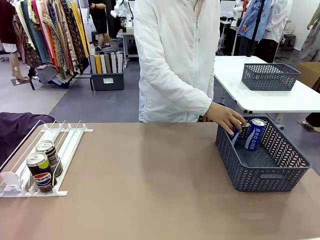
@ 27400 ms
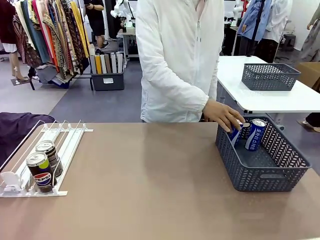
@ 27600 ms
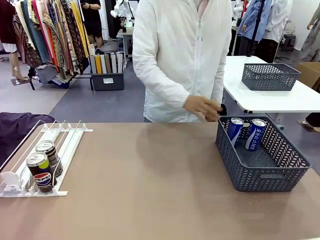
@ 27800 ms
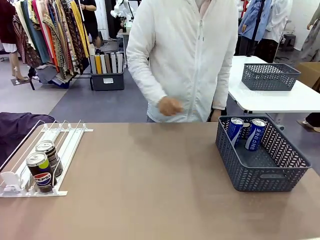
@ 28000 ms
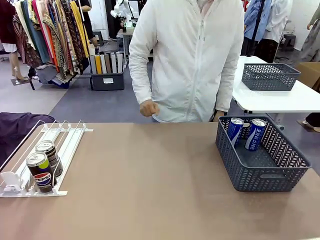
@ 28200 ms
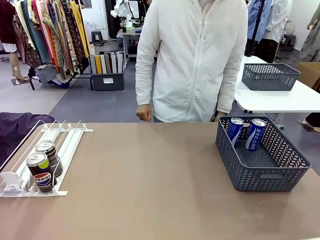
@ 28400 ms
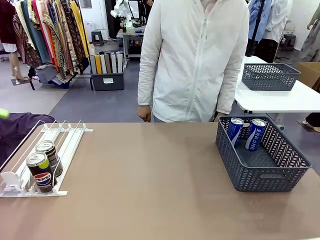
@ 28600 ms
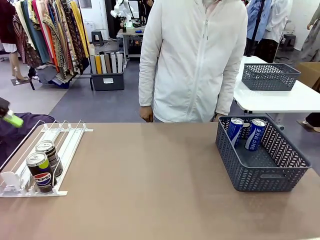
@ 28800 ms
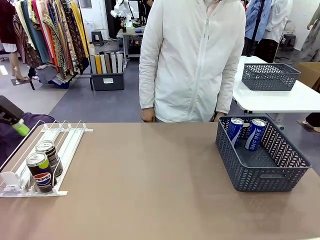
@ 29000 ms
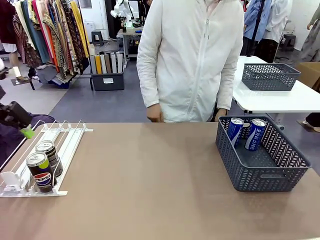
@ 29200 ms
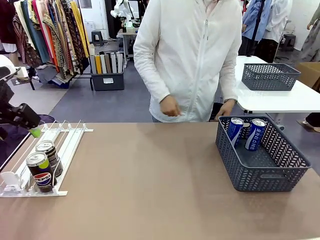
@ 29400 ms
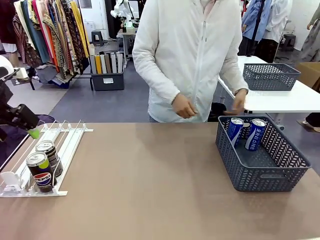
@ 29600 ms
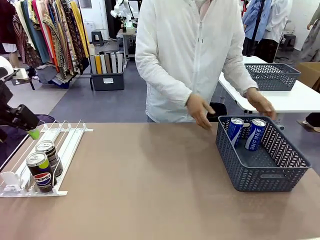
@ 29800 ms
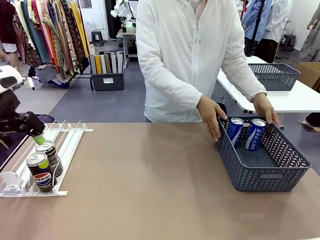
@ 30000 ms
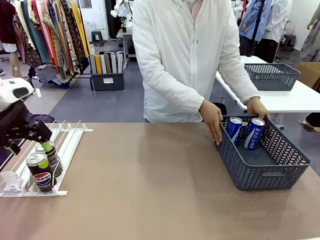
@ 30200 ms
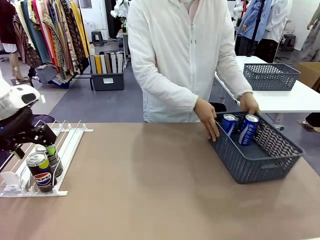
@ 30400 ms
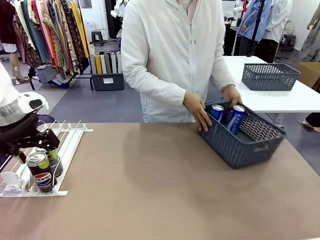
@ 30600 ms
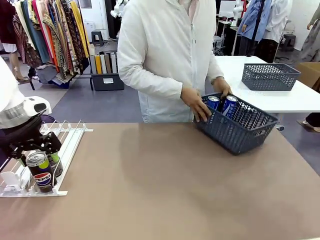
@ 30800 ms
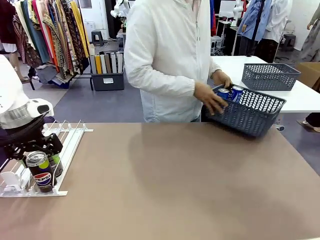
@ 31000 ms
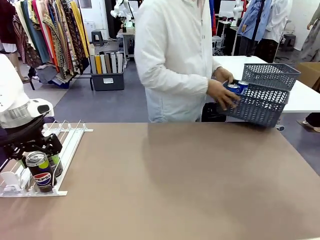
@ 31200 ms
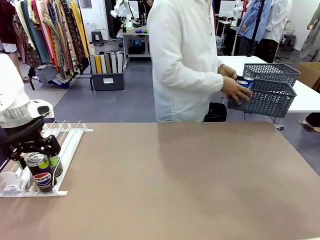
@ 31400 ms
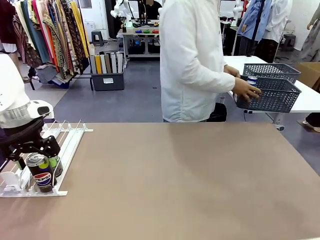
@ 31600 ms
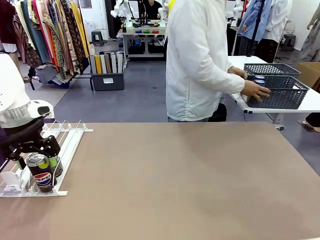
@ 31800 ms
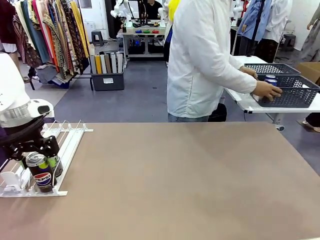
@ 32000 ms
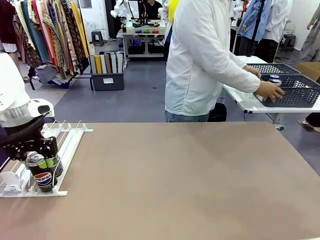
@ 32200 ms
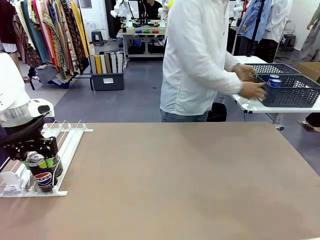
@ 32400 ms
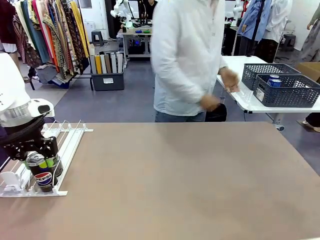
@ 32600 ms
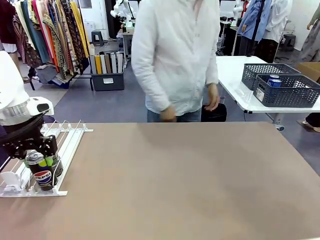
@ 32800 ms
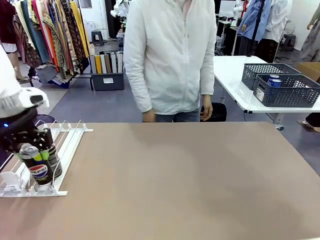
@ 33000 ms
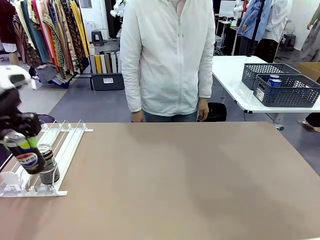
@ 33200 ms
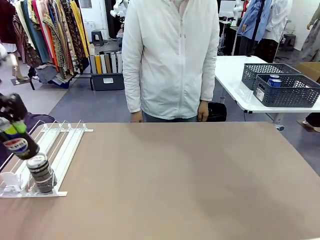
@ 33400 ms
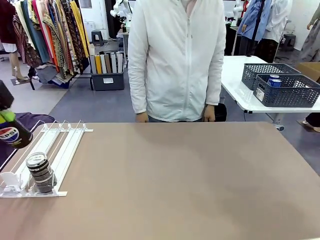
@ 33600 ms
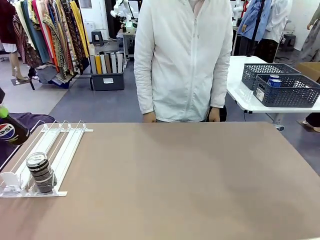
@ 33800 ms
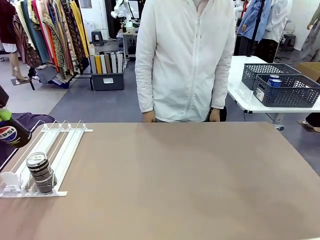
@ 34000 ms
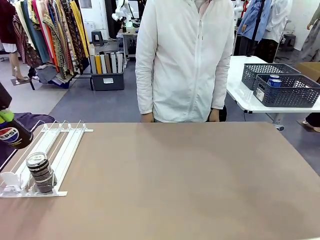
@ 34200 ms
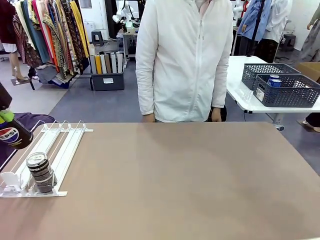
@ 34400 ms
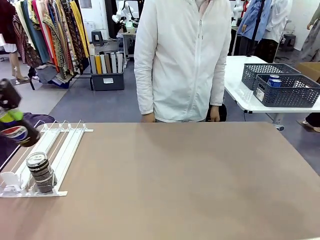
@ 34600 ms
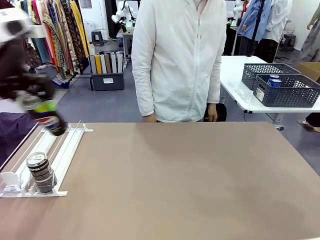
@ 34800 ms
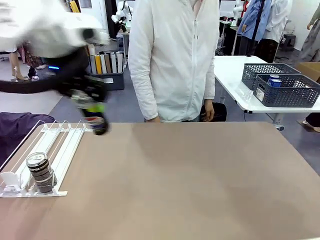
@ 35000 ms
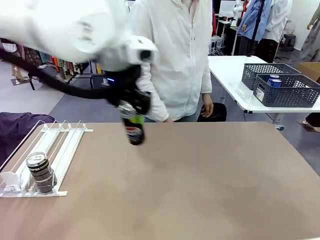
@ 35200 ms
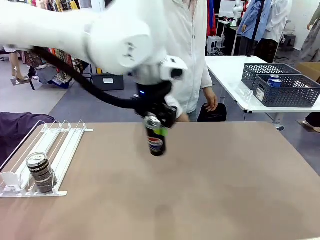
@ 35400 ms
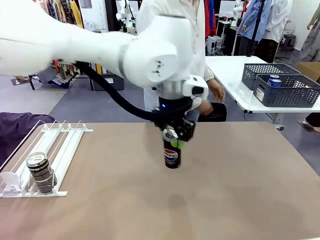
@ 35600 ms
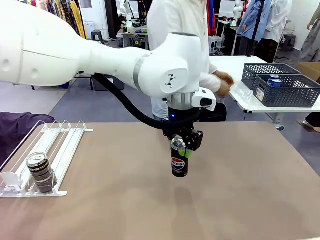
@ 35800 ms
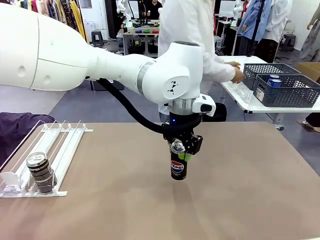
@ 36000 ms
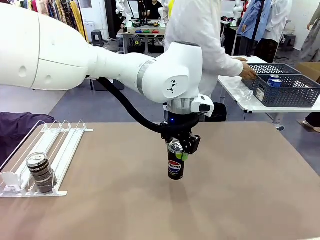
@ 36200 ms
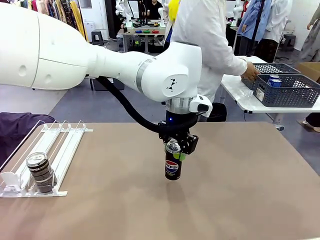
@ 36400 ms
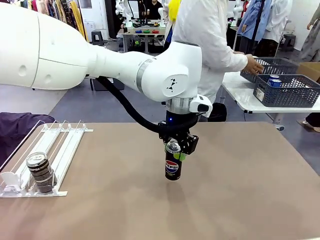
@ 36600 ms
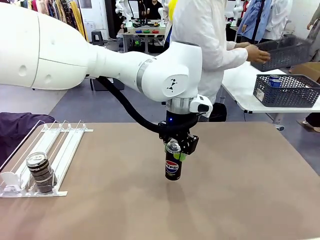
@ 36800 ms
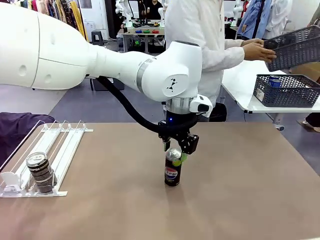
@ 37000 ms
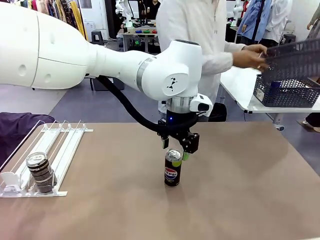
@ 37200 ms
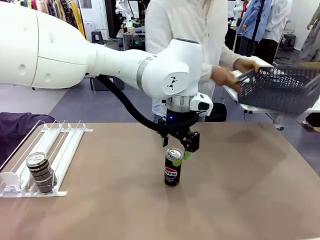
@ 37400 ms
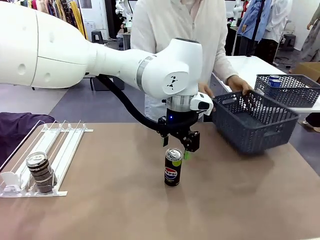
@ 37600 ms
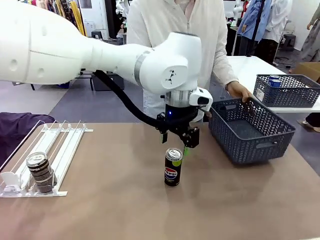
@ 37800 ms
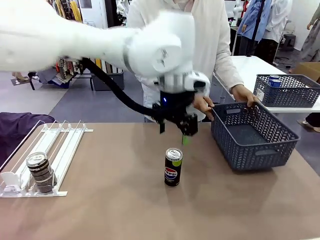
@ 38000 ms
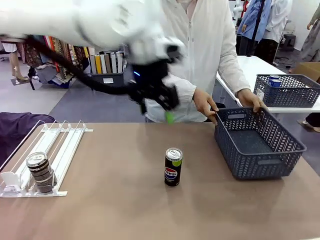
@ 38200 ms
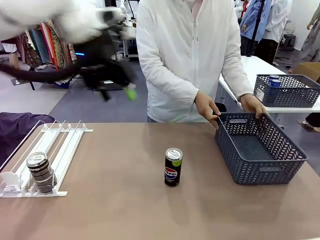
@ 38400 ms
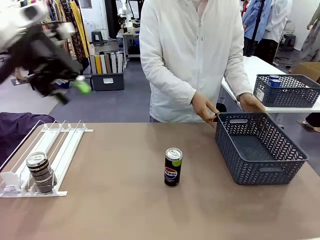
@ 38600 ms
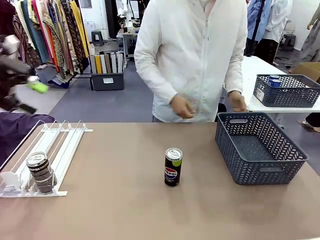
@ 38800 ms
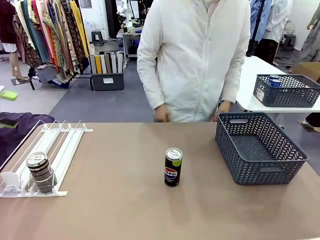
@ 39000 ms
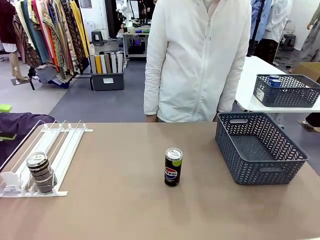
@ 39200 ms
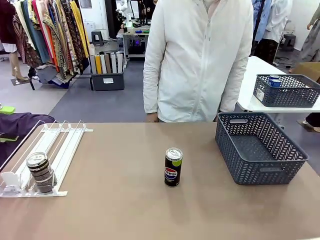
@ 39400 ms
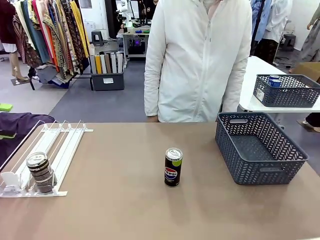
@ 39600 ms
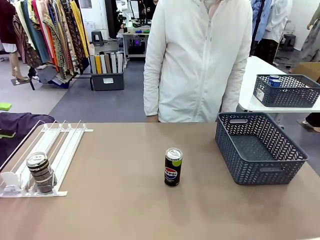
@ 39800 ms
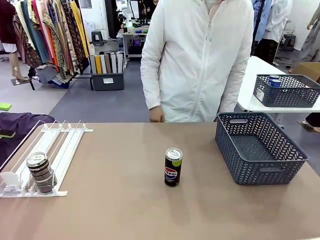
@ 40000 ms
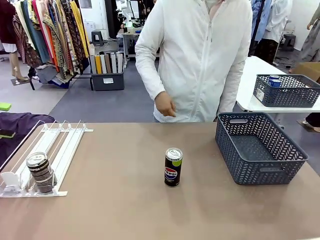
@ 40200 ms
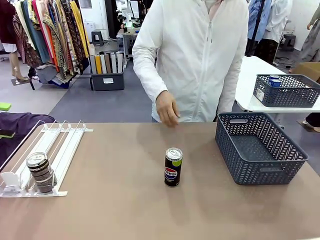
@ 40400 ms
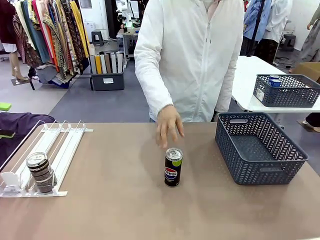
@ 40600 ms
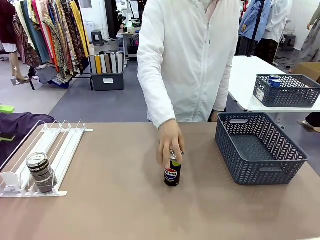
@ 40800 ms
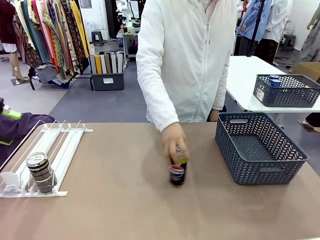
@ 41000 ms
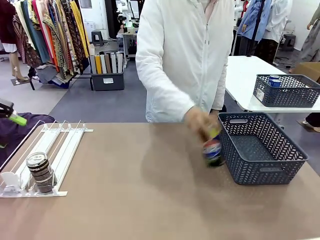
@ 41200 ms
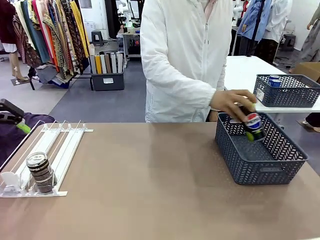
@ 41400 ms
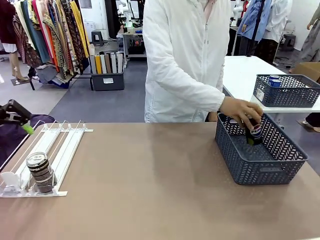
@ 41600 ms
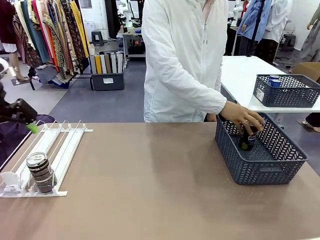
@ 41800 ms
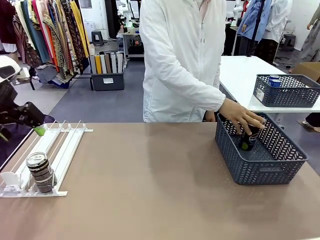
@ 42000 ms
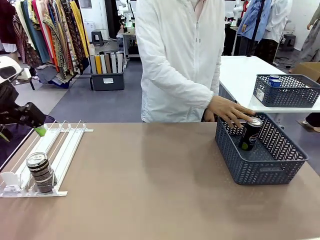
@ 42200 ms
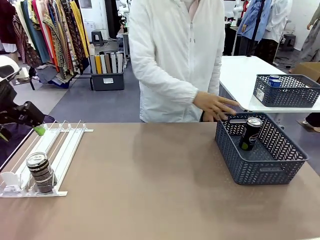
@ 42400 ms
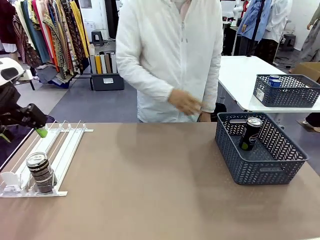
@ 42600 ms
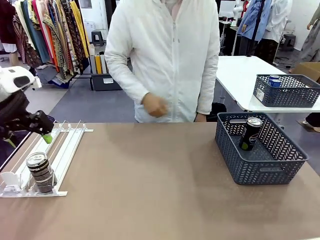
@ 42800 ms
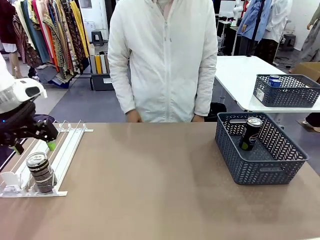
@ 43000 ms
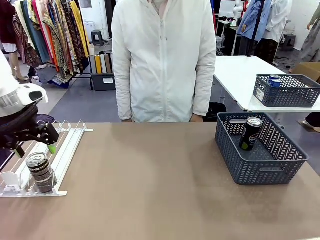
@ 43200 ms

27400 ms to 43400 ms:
Task: Retrieve and store the cans from the dispenser.
Robot: Pick up one can from the Automatic Can Dispenser and place it in the middle of the table.
Person: Pick up the basket and place it in the middle of the human table. Pick up the empty basket and place it on the left side of the robot table.
